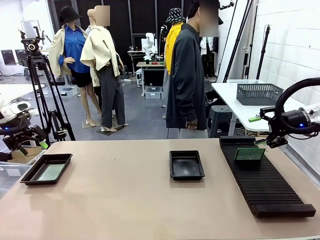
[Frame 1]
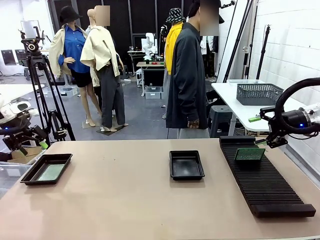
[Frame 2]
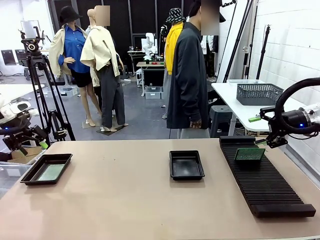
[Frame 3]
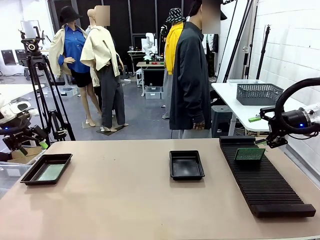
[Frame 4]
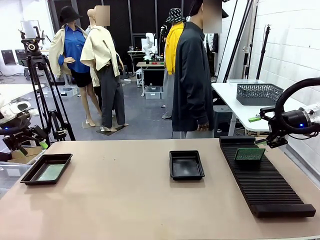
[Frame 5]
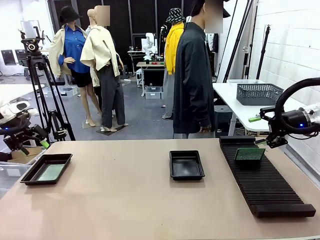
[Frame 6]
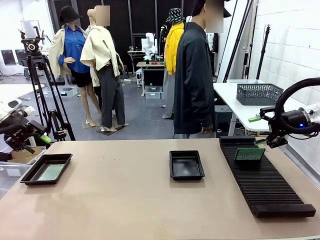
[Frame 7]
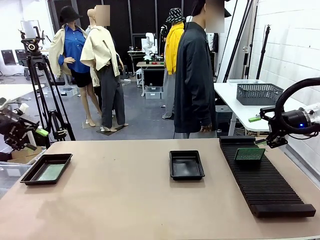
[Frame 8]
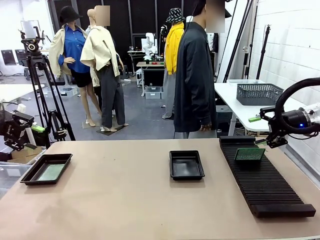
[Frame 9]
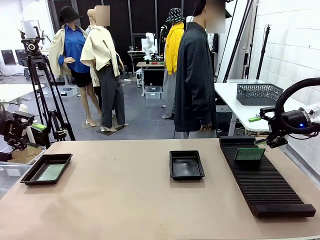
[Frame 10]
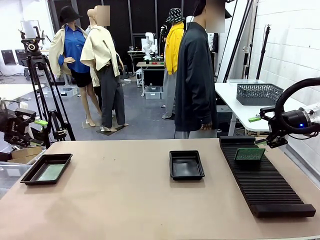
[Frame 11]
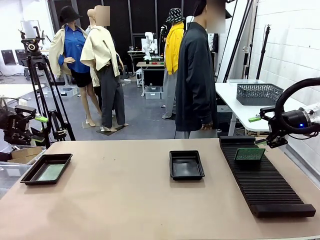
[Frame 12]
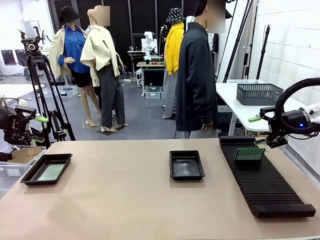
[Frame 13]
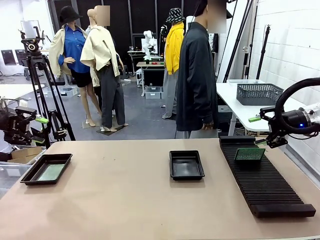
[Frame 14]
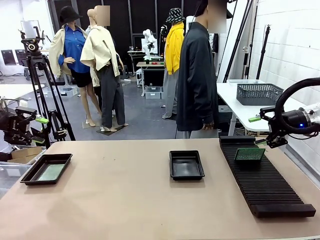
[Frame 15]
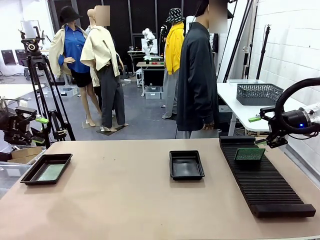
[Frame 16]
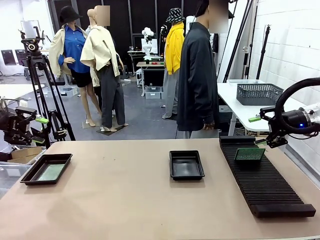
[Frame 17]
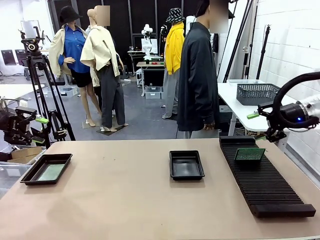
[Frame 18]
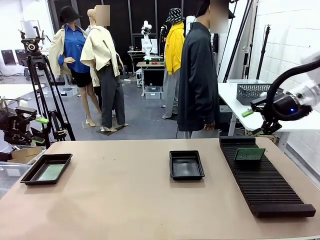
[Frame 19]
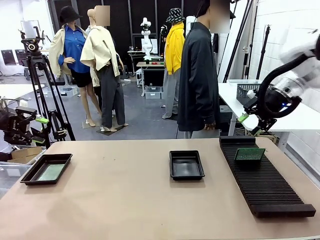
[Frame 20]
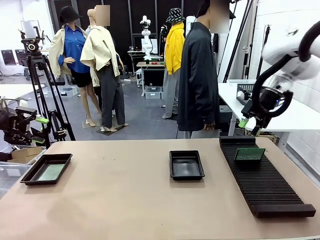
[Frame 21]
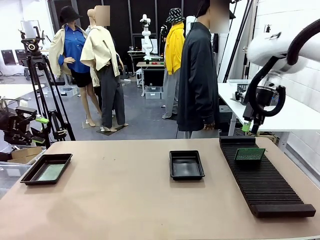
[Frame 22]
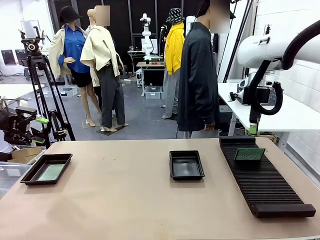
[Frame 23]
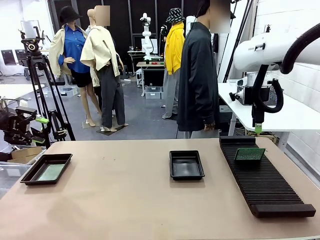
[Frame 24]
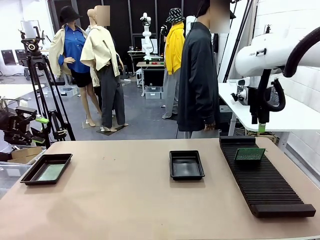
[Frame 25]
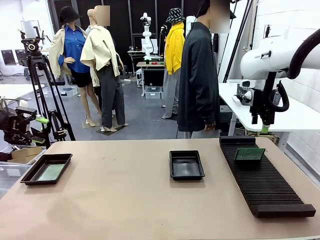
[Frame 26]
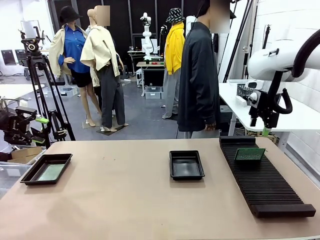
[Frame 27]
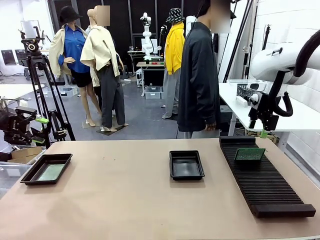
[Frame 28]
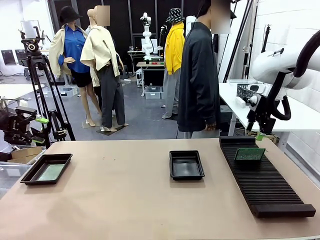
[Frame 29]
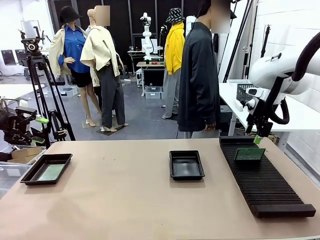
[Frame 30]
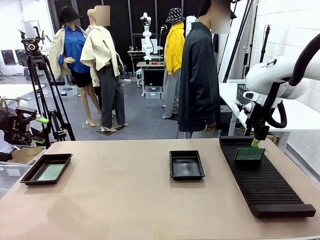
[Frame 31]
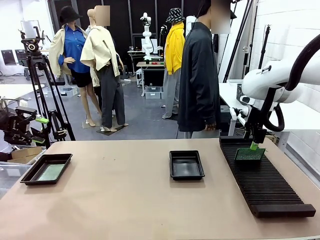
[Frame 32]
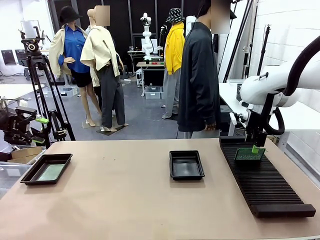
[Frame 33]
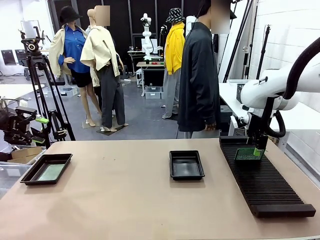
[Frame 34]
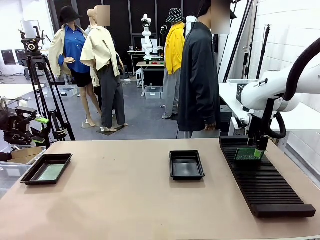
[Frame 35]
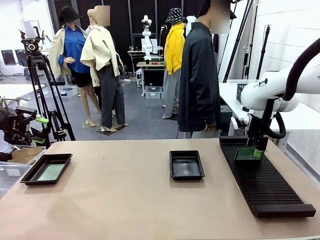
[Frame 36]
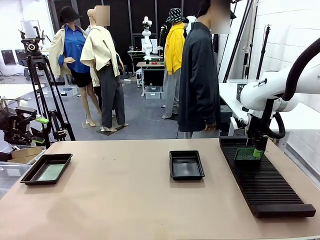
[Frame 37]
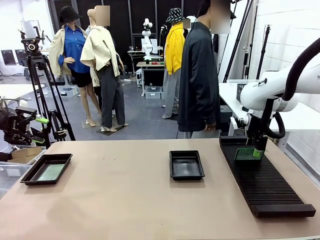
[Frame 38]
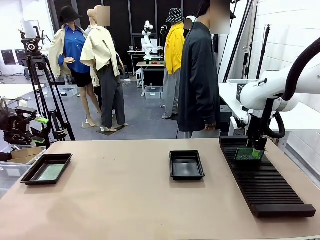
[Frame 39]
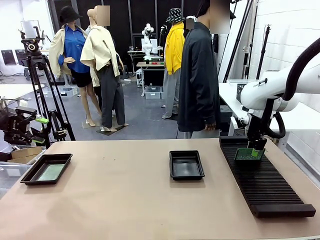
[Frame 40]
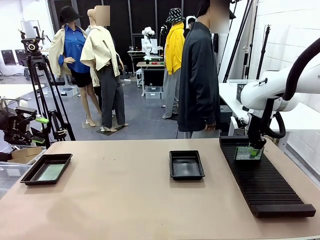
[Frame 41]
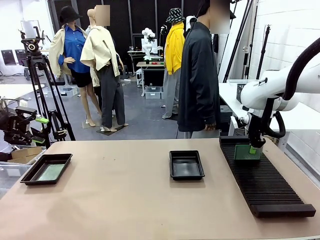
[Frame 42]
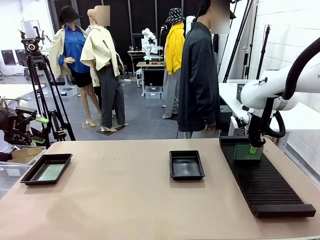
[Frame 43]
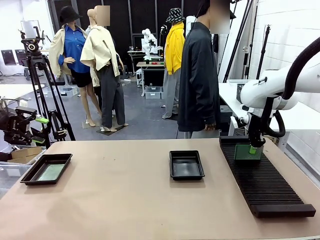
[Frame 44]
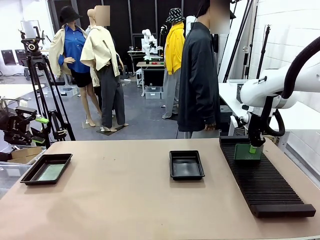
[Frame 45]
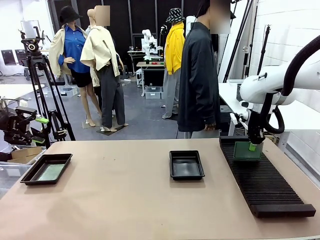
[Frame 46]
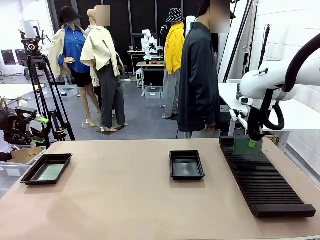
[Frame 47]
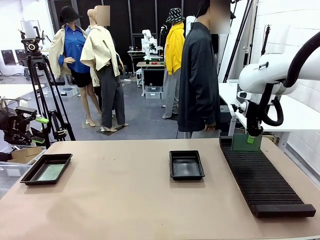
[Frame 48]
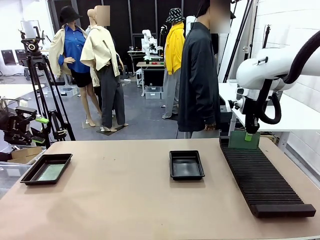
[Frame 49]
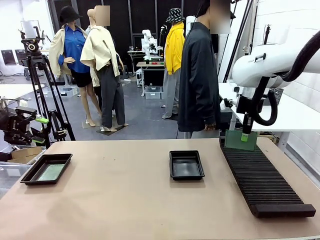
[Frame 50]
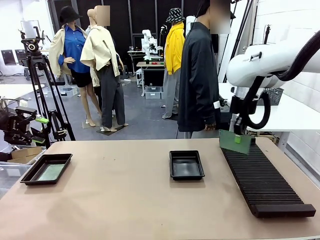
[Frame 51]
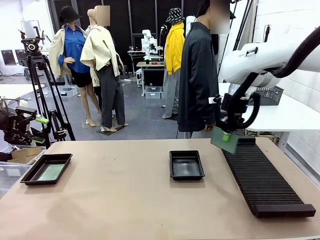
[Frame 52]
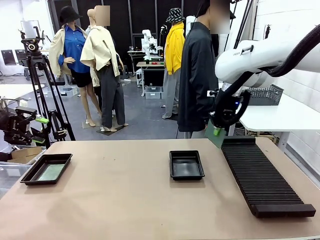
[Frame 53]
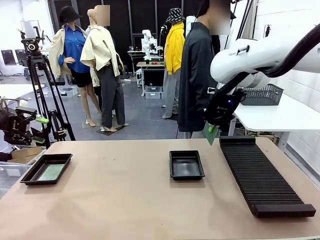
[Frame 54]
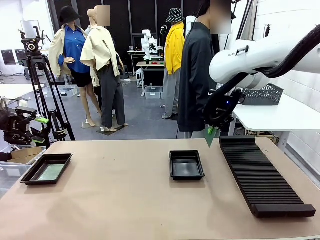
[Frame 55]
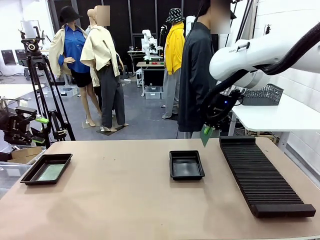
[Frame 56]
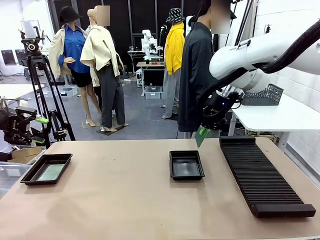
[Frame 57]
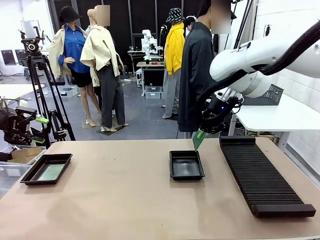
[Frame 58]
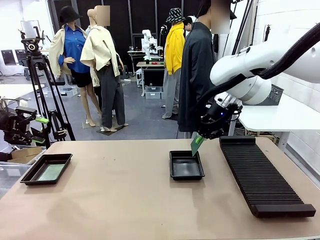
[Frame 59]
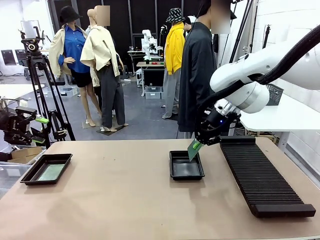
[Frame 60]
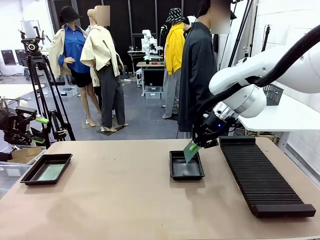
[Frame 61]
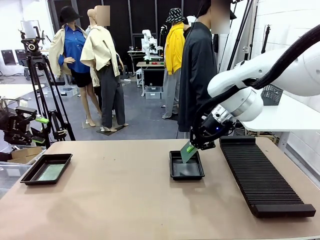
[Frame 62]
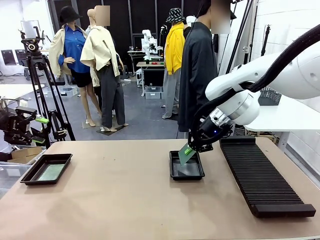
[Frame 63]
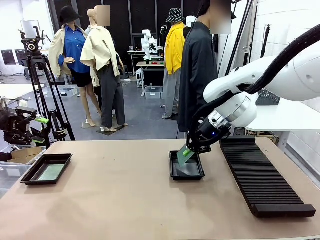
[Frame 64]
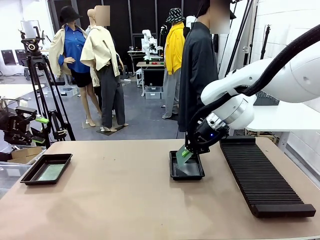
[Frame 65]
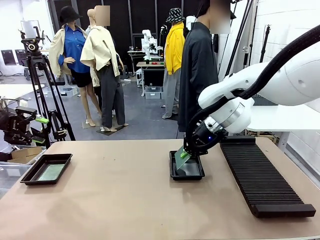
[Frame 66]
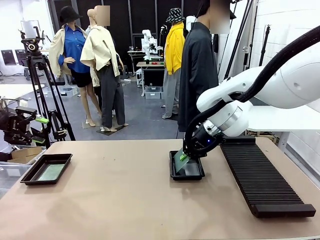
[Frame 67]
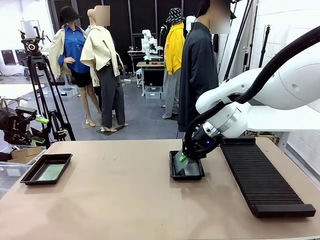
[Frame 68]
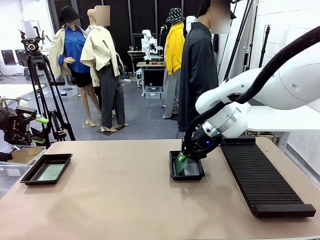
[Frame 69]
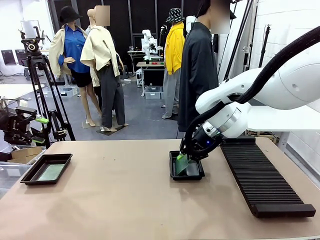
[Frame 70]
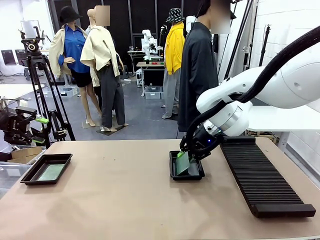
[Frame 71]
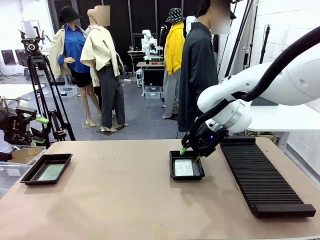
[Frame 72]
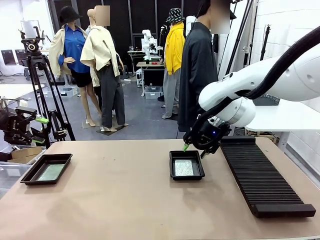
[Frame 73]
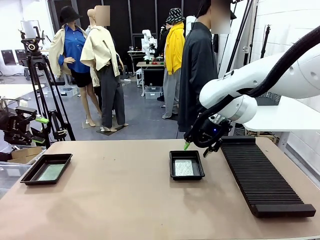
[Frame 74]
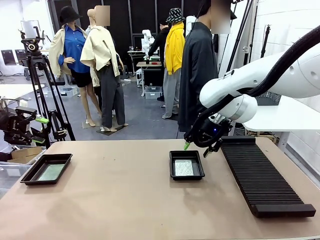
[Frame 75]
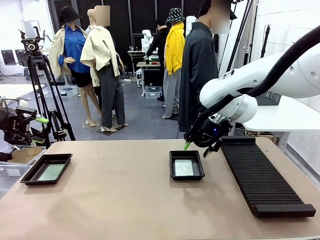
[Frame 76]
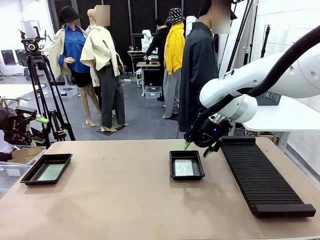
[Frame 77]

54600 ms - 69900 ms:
Task: Inspect and transfer BCBs to ESD trays.
Robot: Pick up the Blank PCB from the PCB Rack and place it in the right ESD tray.
